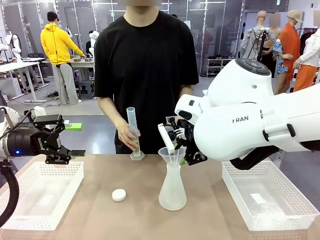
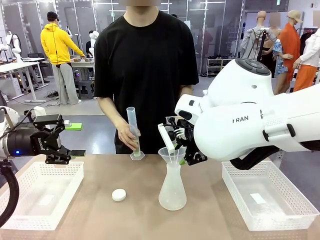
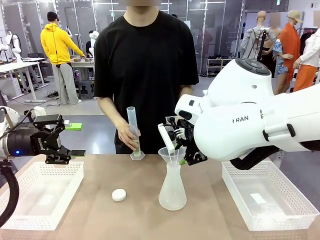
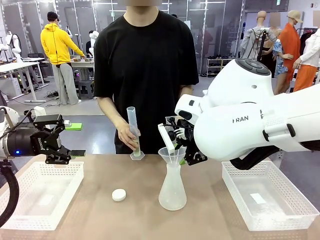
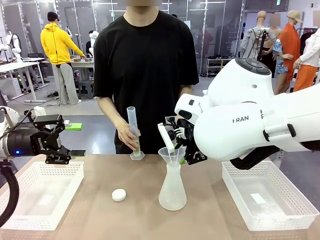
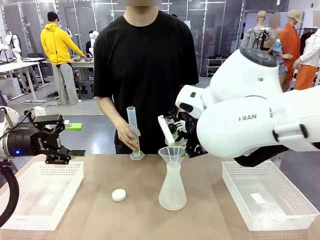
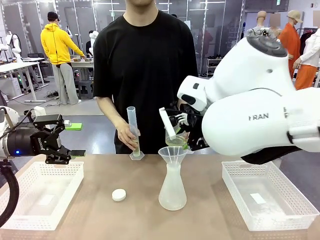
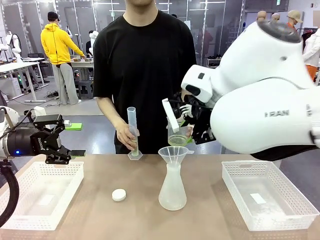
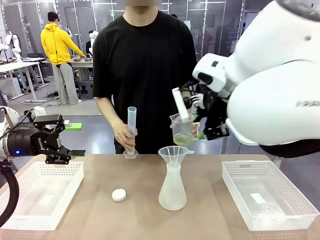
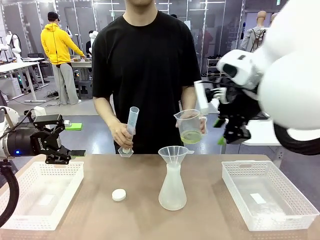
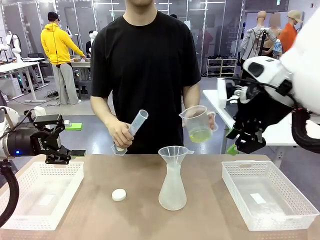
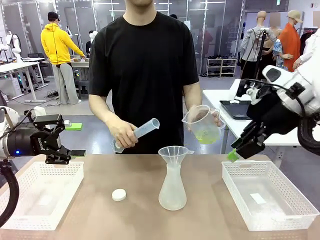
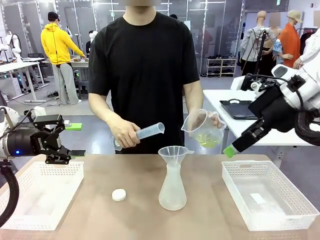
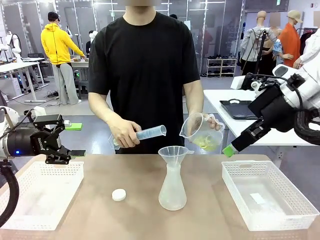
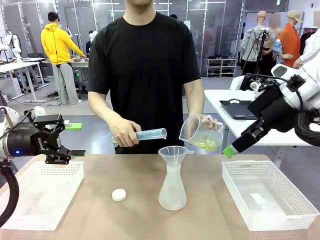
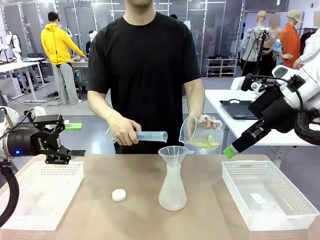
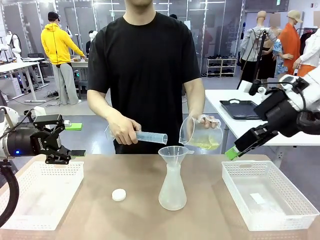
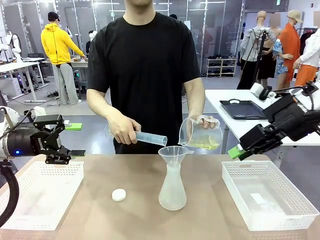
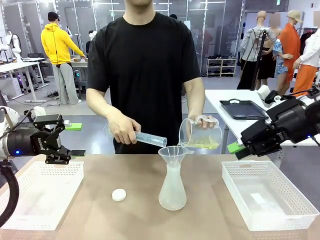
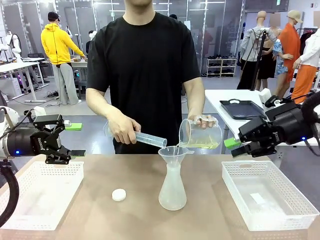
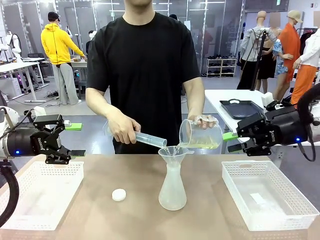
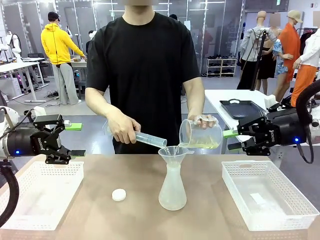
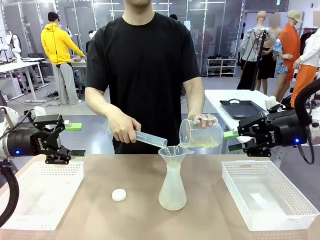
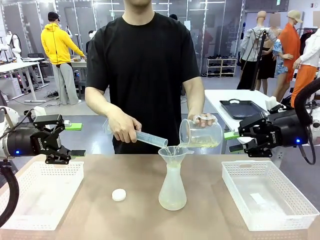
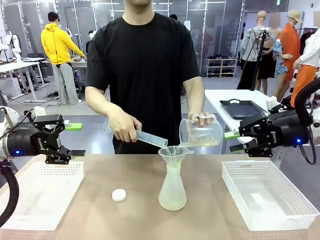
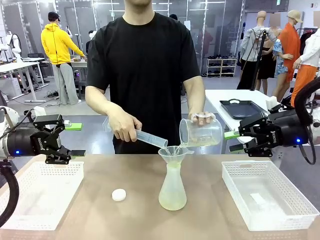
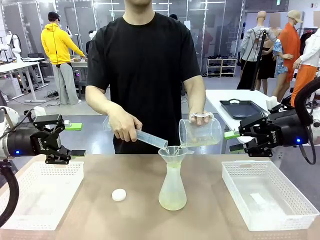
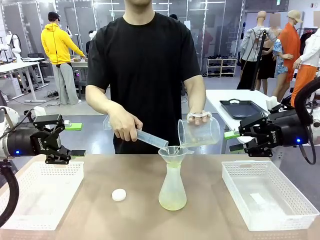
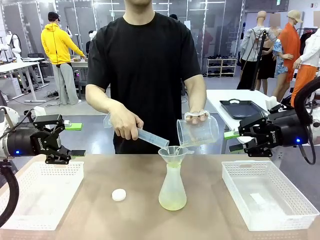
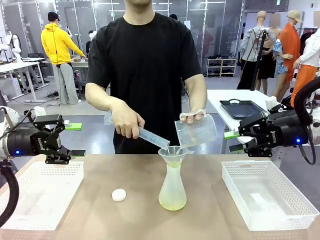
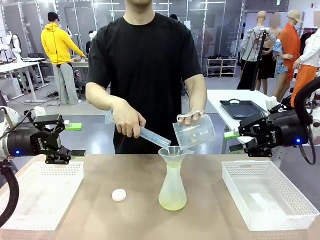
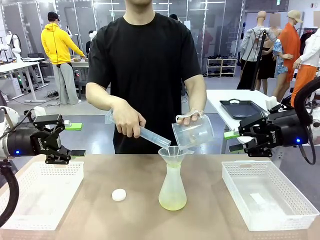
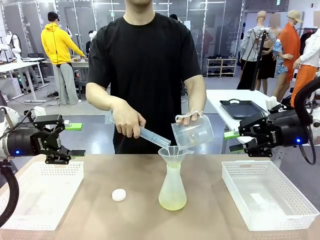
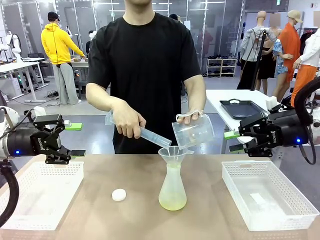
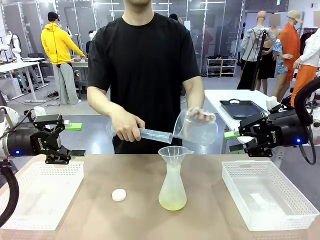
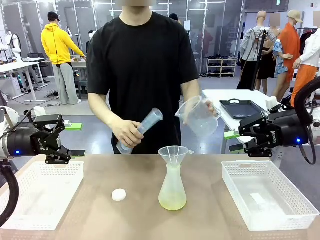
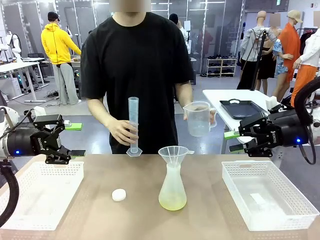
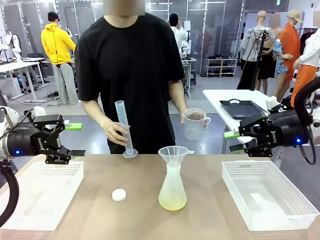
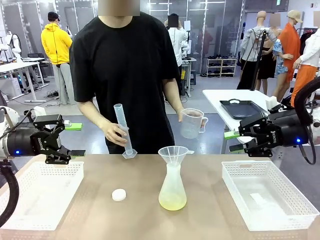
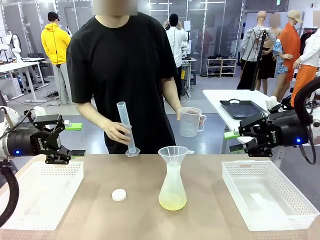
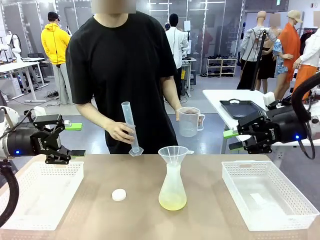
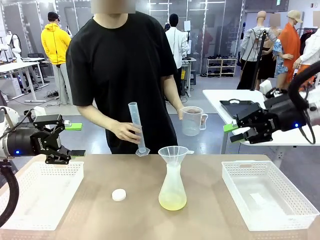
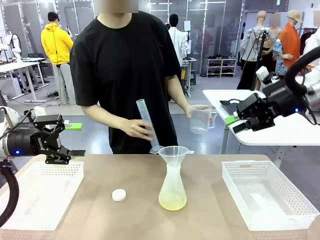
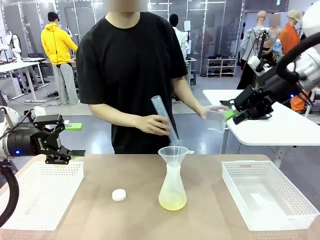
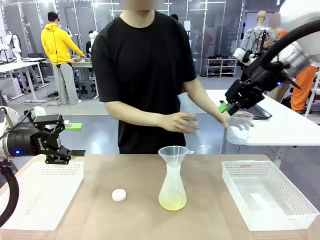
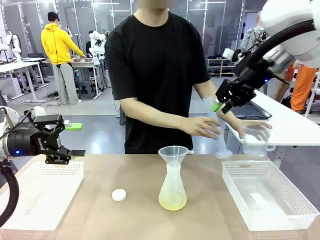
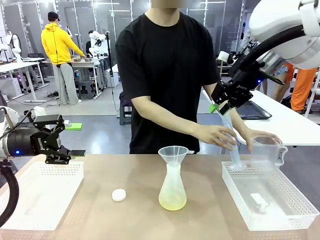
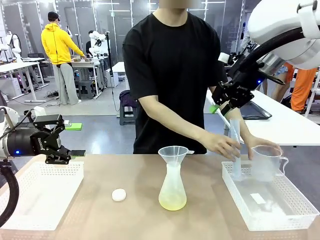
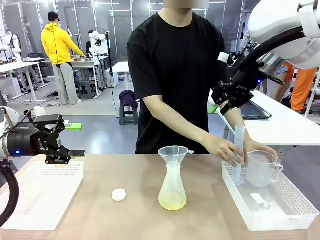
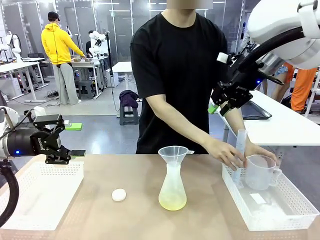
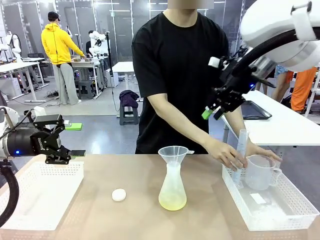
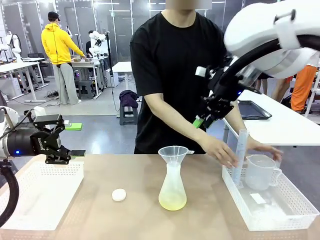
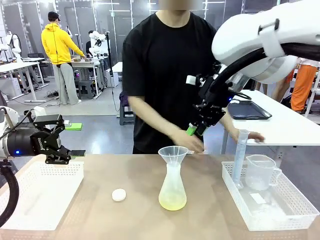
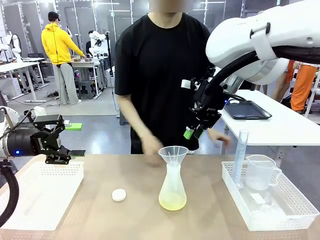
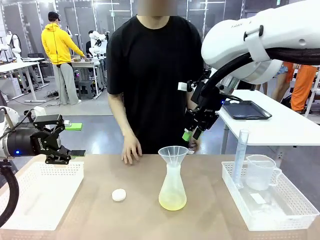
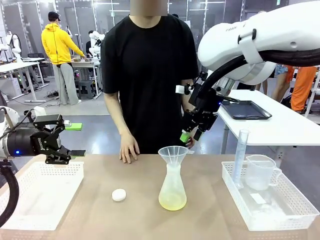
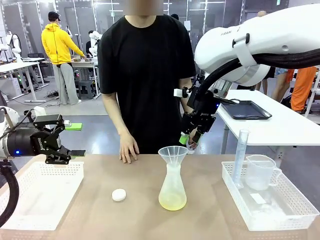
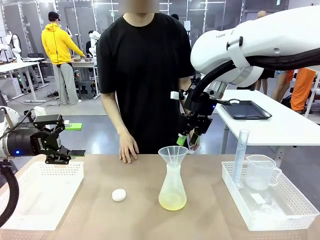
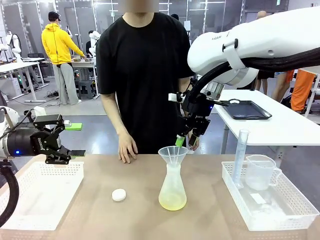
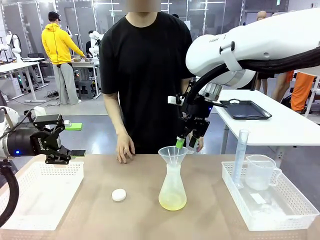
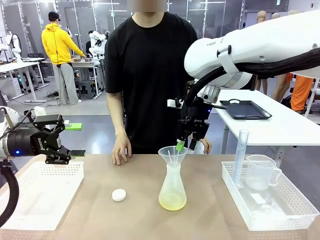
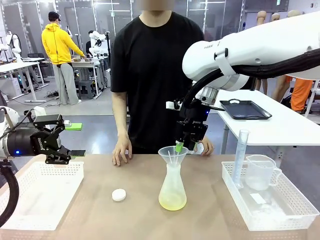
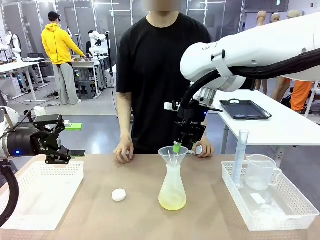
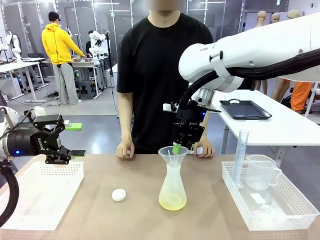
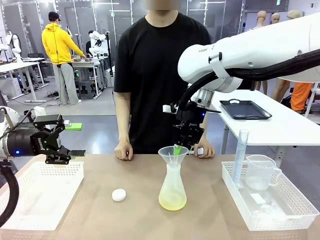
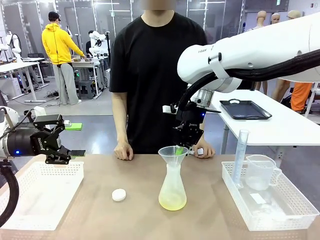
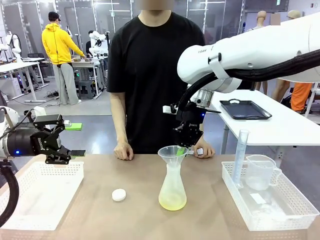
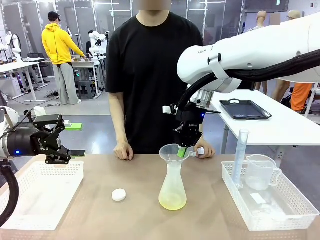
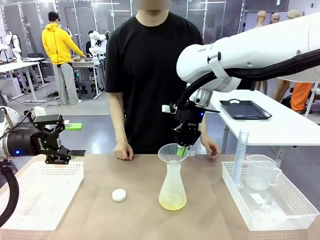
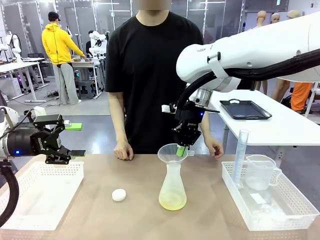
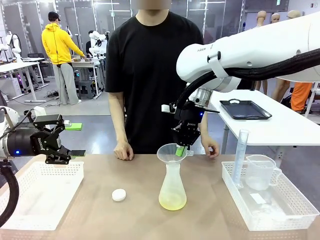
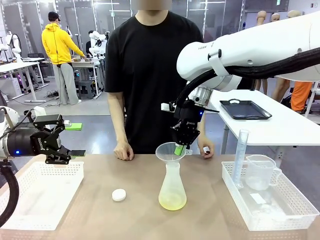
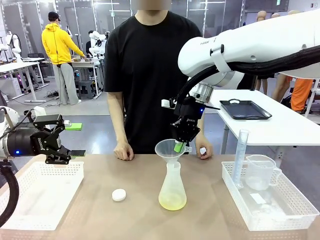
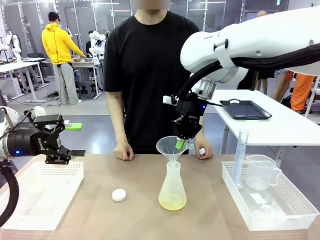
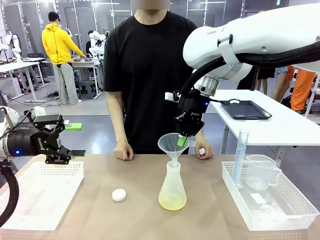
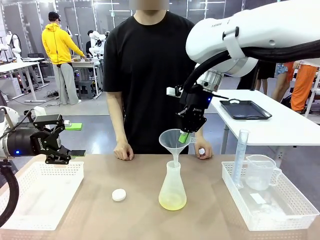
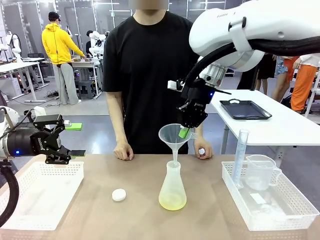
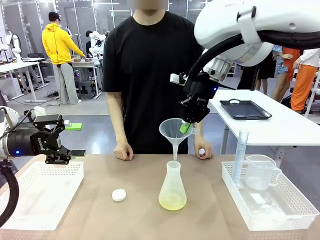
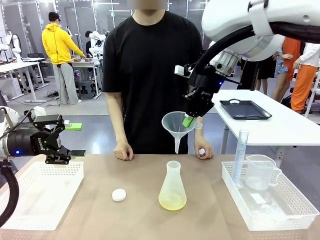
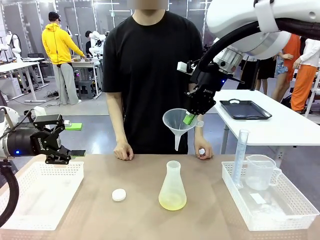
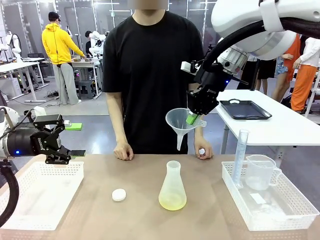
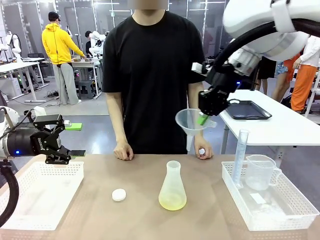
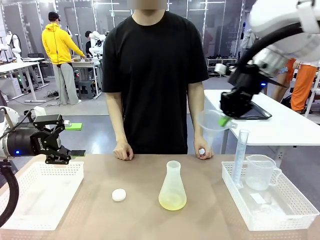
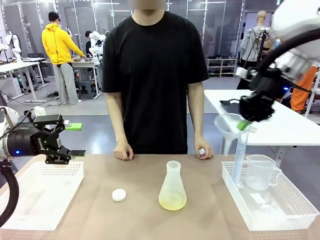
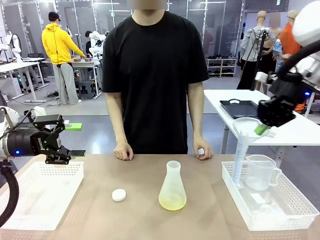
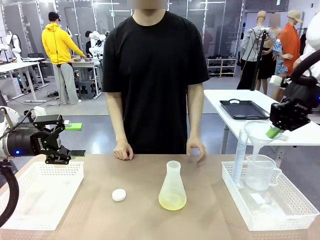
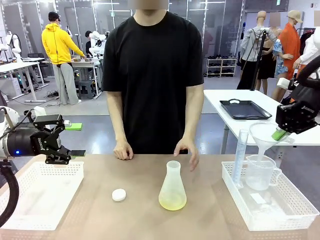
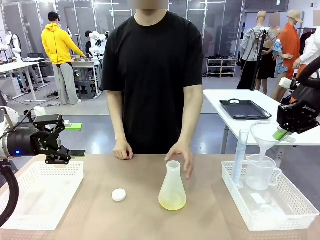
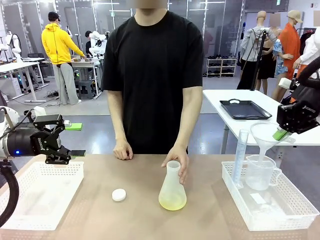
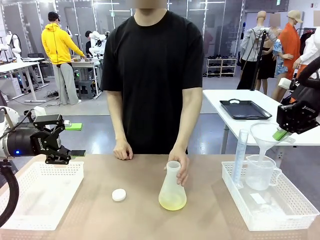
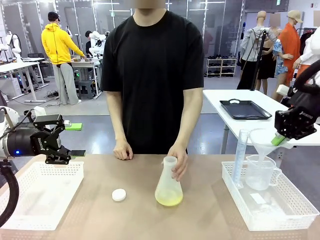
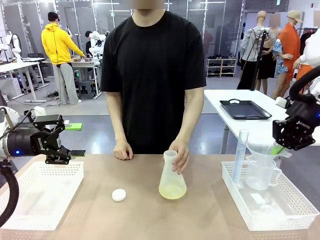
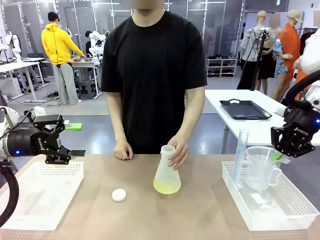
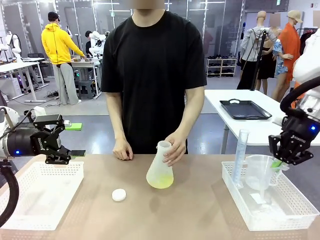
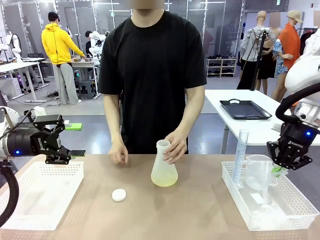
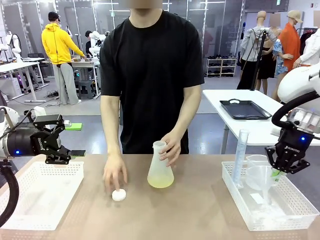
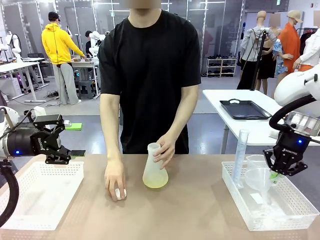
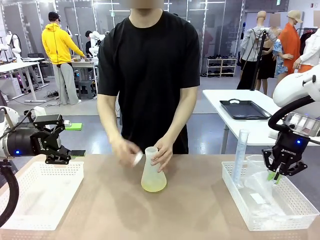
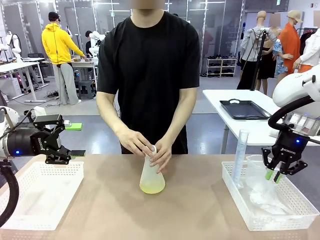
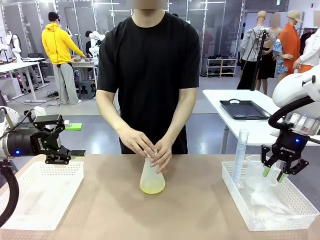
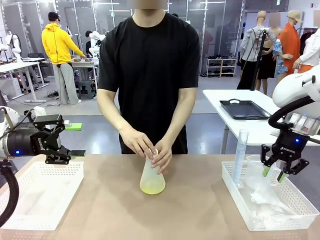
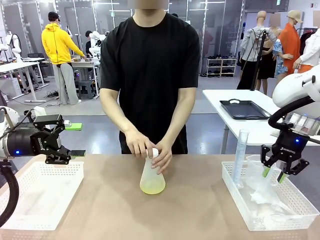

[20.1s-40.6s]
Task: Prepare the solutions needed for the experiment.
Robot: Once the solution is in the Big flask , pick up the Plastic Funnel and place it back into the right Organizing basket.
Person: Place the beaker and the cylinder into the organizing basket on the left side. Pick up the flask, gently shake it 2–3 times, place it in the middle of the robot table, and close the lid.
